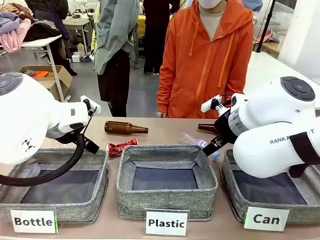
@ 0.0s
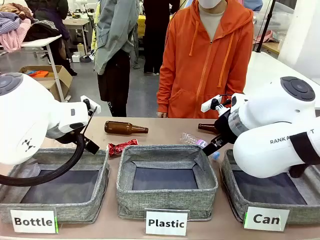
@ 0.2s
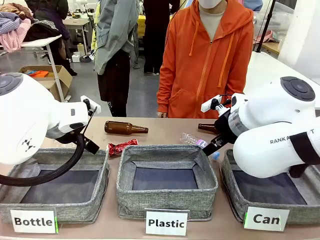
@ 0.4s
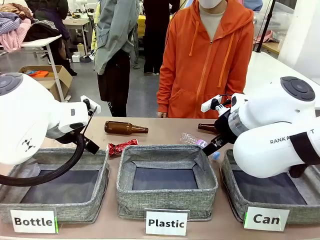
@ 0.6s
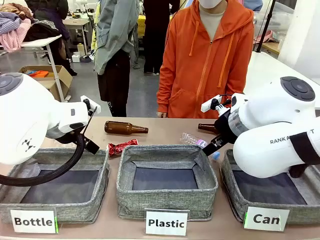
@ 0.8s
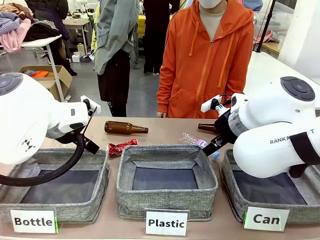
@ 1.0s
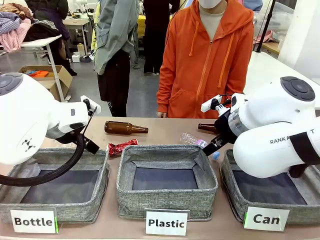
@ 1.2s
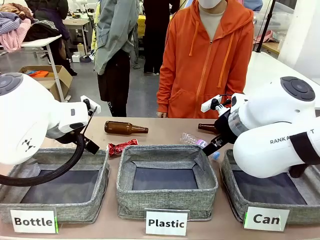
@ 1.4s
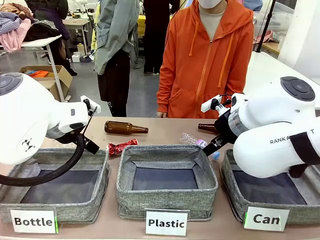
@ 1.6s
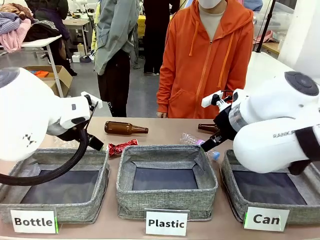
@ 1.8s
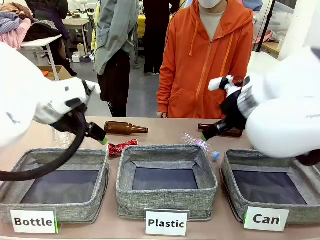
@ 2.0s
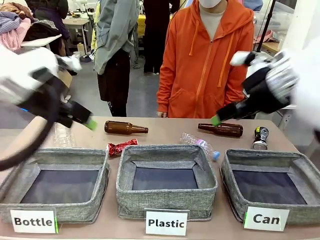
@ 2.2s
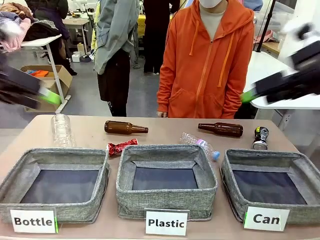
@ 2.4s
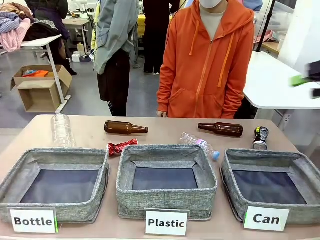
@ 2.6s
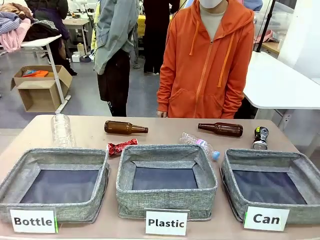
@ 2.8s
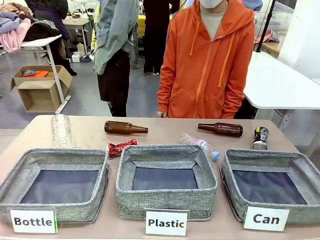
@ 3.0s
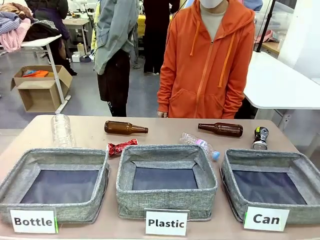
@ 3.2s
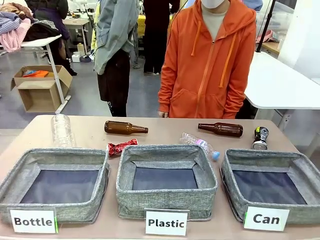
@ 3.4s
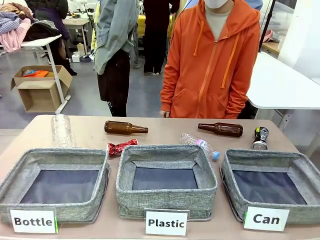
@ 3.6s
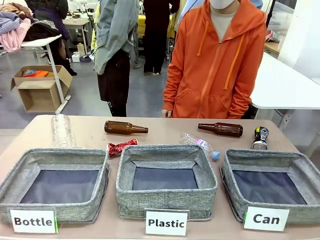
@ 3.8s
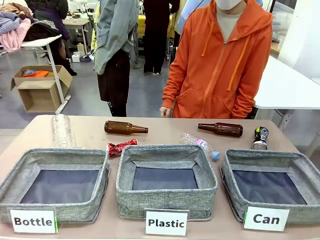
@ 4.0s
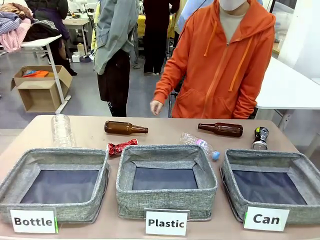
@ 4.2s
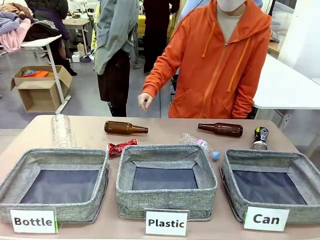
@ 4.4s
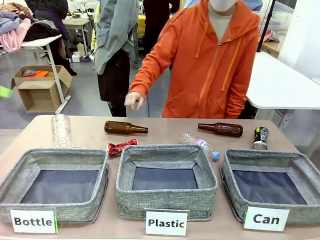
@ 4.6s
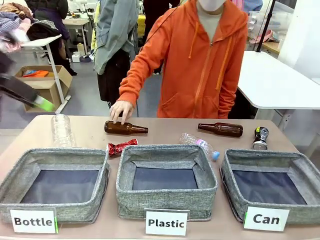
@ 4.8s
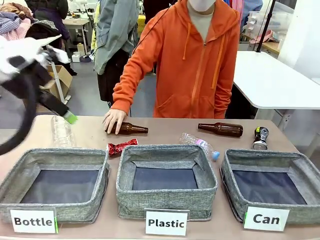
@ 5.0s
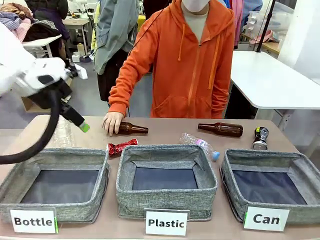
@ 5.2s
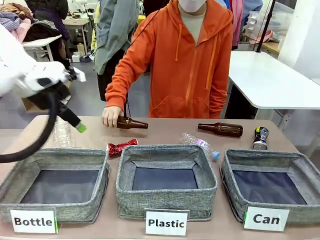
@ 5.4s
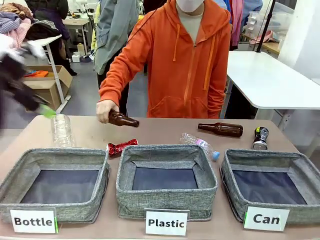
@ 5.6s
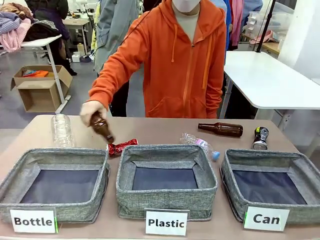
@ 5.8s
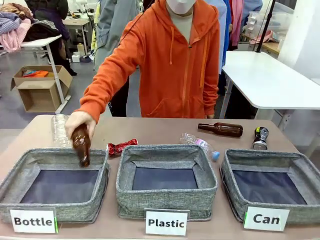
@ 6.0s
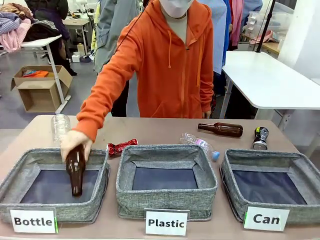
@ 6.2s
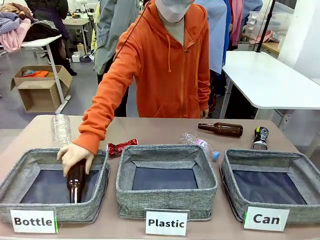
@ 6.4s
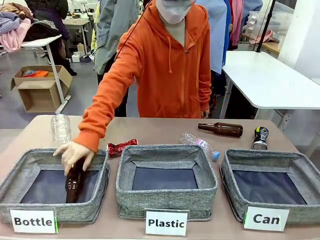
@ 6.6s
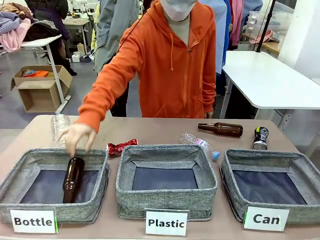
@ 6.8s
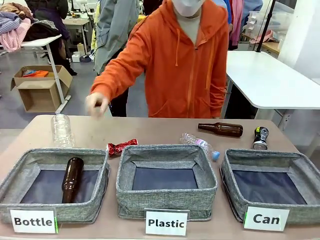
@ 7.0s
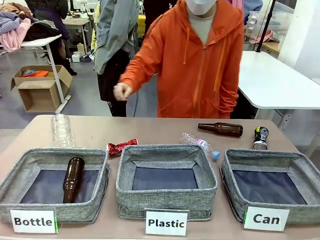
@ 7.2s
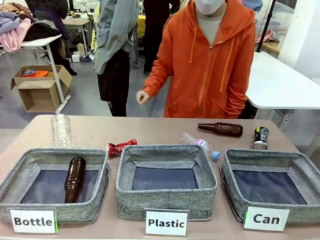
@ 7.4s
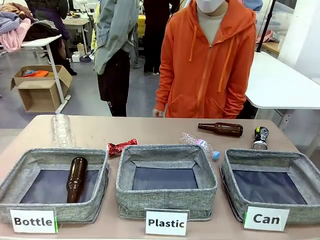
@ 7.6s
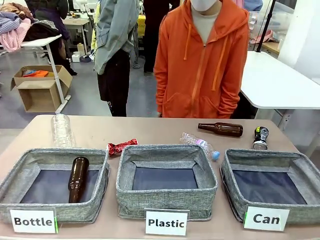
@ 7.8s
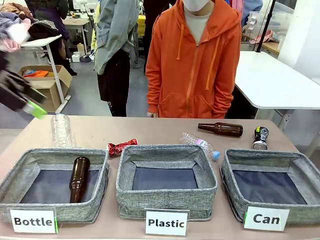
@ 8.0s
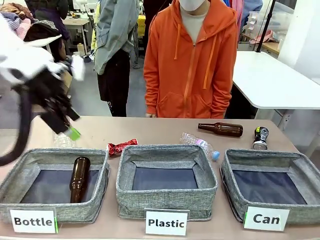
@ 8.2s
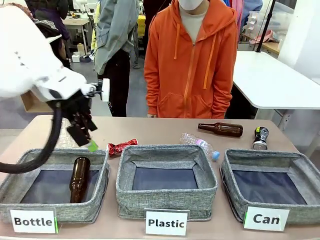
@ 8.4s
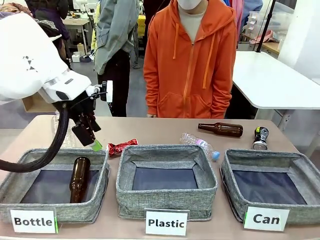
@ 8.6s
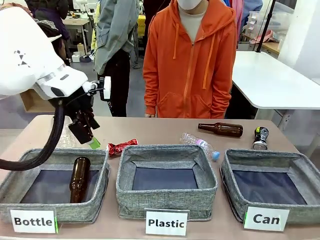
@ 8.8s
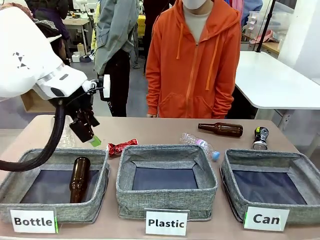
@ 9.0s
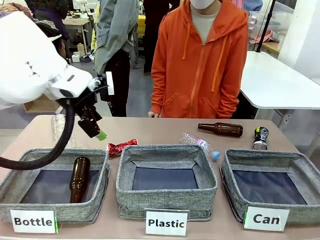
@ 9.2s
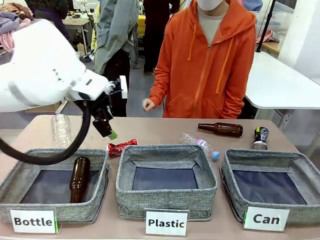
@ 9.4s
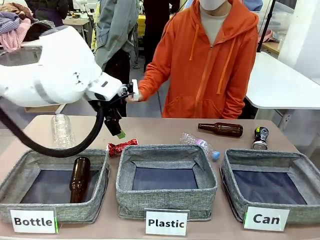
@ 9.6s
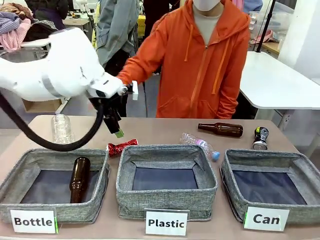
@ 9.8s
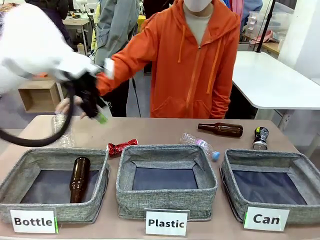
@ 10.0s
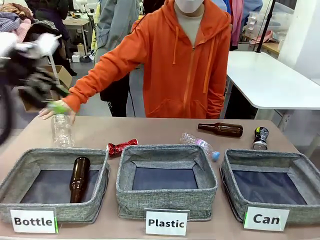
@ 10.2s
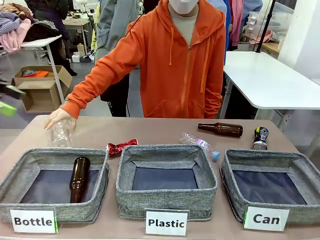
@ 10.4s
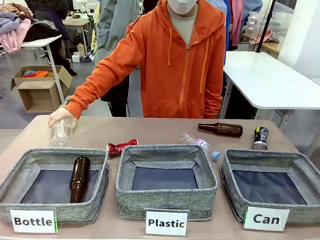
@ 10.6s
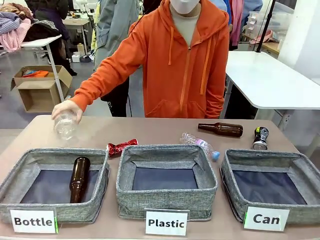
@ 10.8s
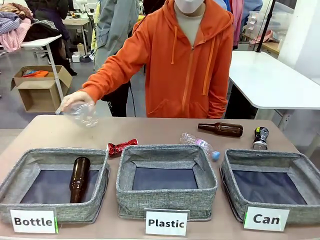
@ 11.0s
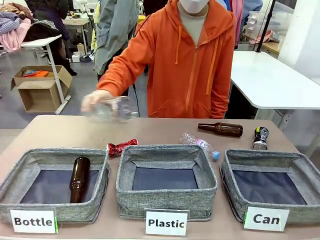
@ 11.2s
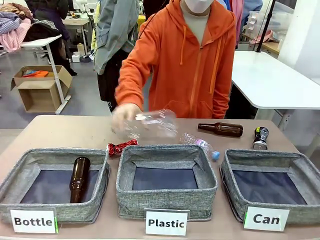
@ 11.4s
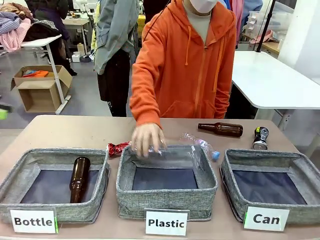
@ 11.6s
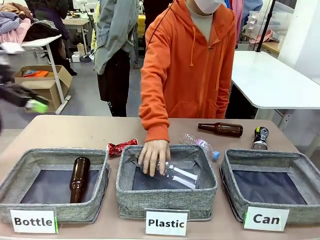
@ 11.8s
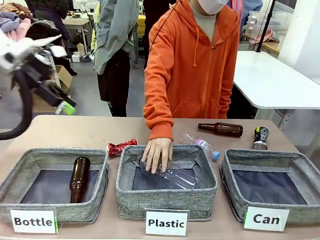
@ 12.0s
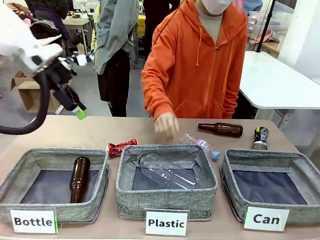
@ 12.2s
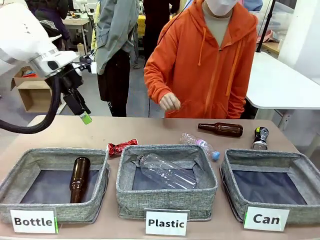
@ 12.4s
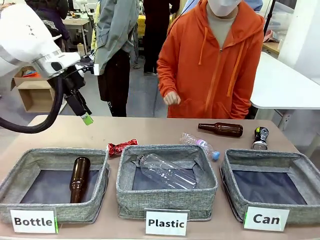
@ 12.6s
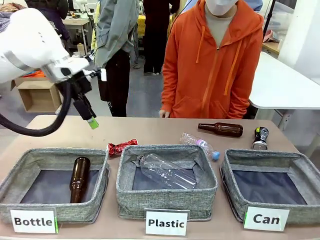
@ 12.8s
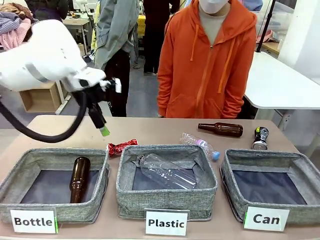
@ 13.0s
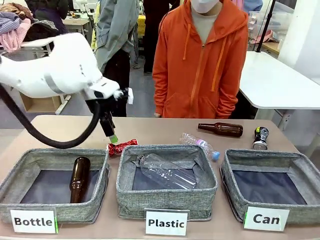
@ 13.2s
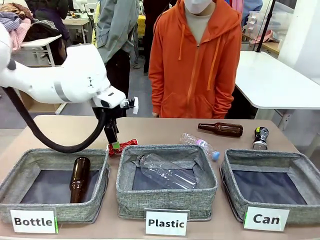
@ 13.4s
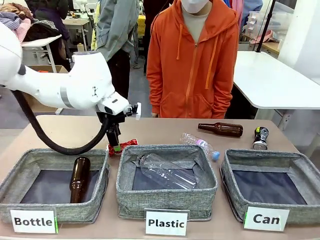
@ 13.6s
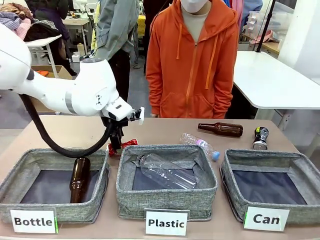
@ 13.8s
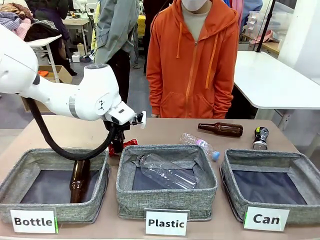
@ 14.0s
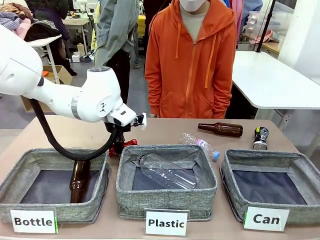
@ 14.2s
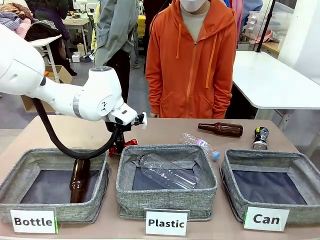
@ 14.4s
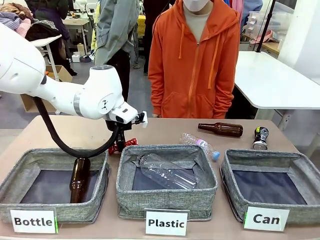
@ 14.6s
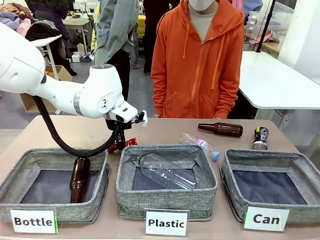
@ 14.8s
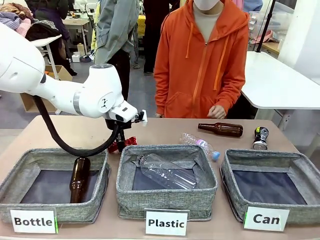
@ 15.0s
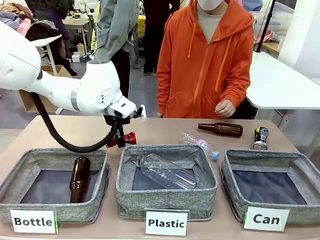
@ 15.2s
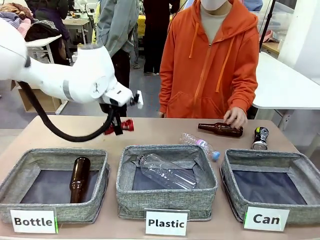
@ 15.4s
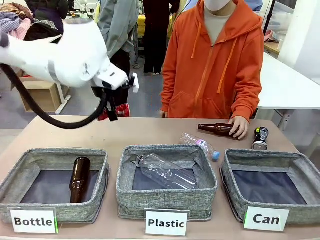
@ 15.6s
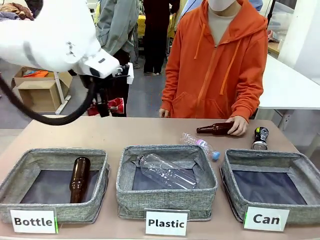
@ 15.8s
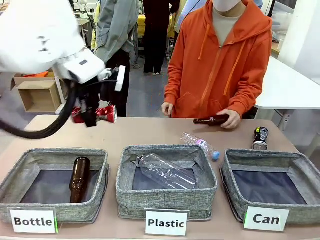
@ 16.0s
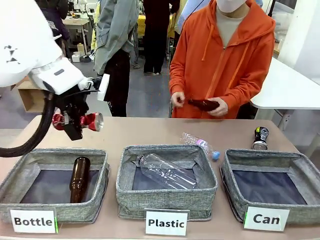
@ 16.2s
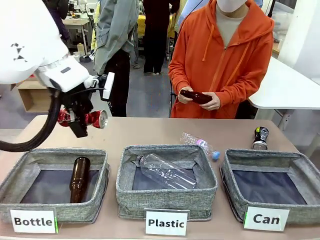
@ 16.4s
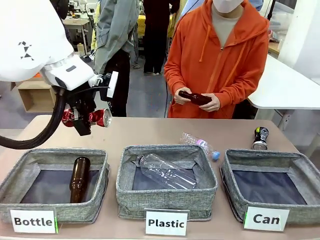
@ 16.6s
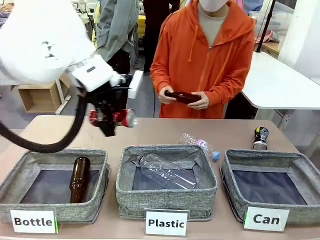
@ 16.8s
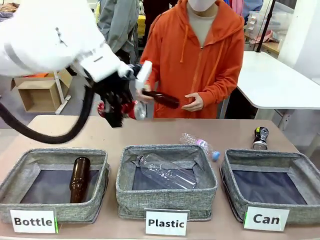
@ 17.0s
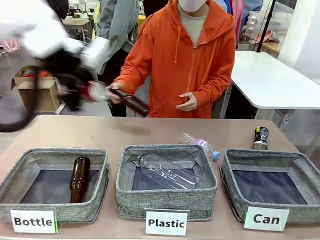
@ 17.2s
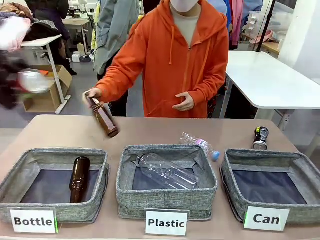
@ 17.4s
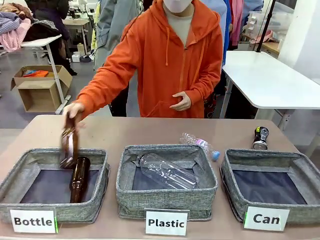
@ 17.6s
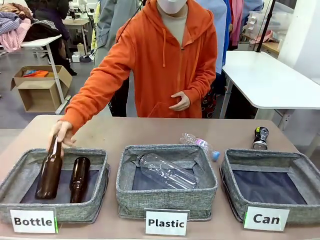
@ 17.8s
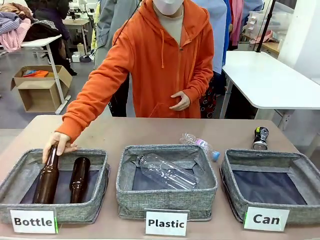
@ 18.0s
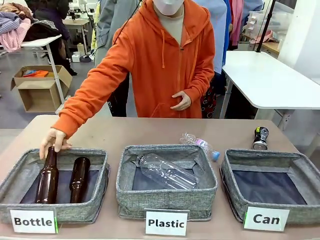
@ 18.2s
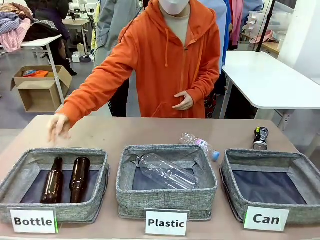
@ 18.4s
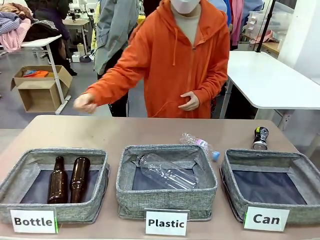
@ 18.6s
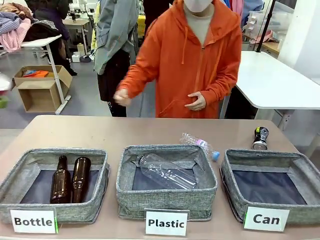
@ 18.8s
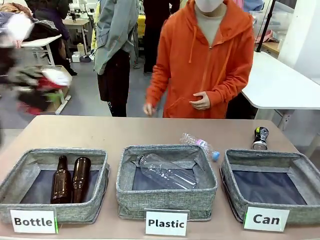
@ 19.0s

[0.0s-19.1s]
Task: Sort the can waste into the basket.
Robot: Pick up the can waste from the table and place it in the right Fabric basket.
